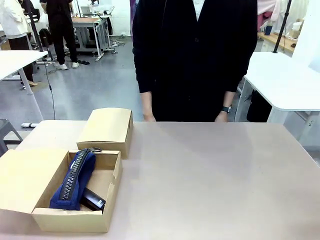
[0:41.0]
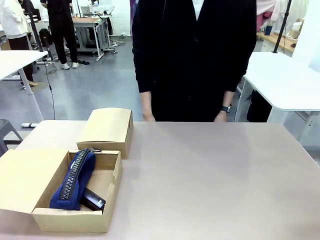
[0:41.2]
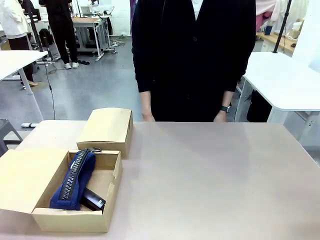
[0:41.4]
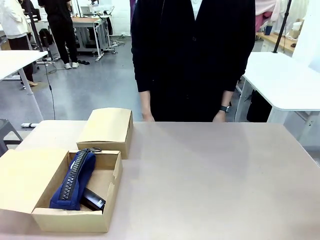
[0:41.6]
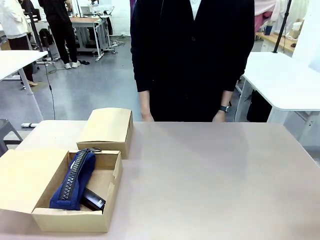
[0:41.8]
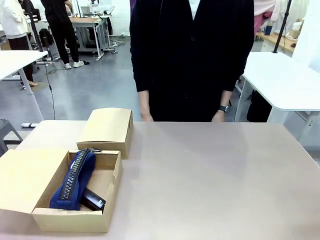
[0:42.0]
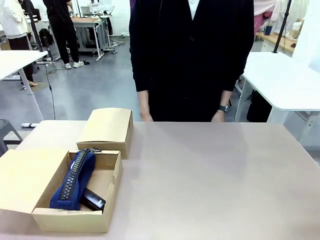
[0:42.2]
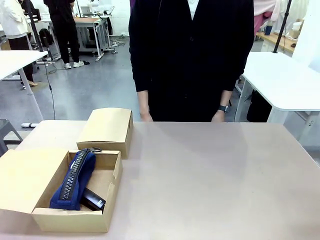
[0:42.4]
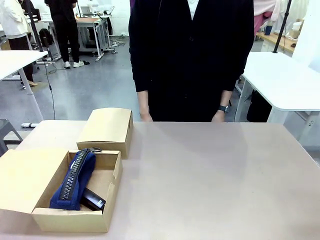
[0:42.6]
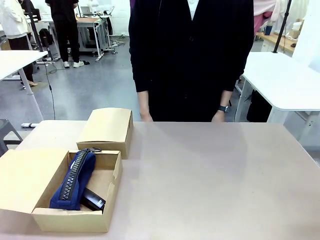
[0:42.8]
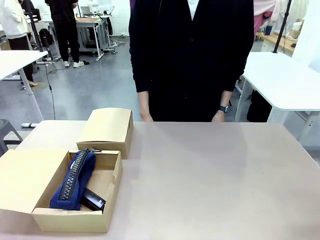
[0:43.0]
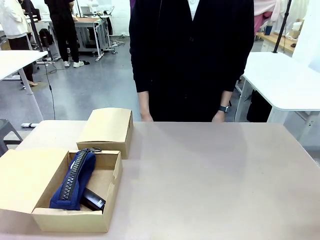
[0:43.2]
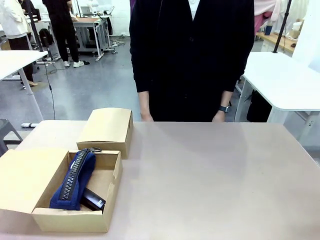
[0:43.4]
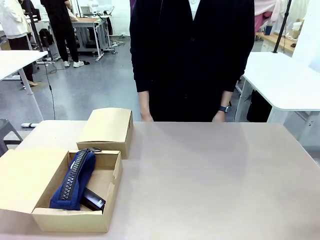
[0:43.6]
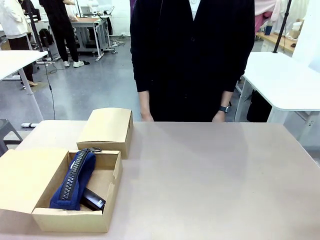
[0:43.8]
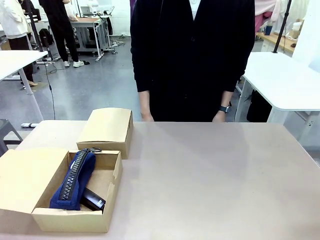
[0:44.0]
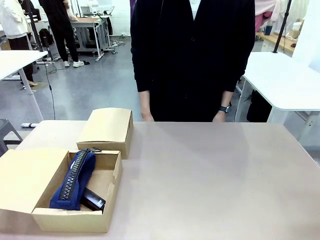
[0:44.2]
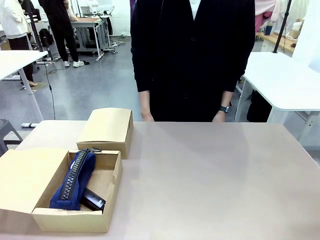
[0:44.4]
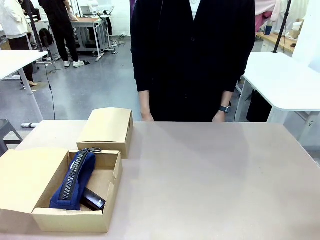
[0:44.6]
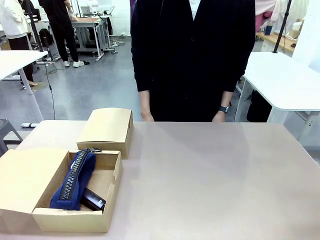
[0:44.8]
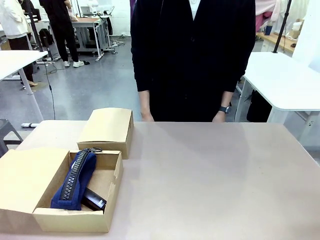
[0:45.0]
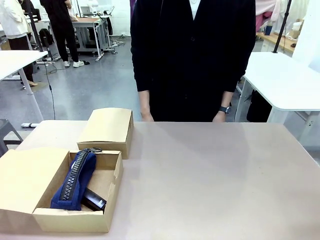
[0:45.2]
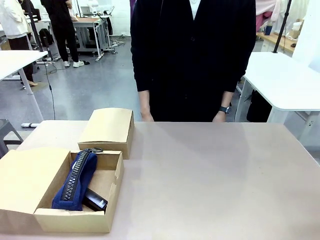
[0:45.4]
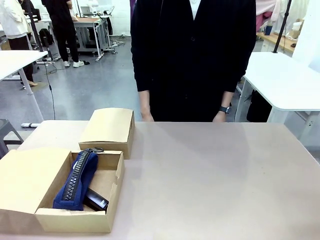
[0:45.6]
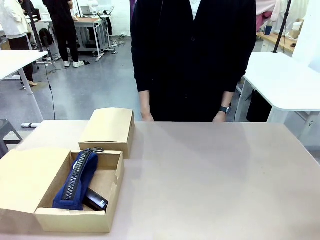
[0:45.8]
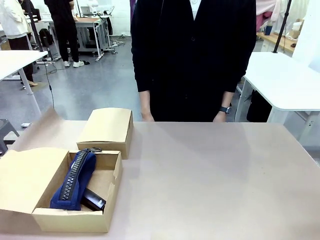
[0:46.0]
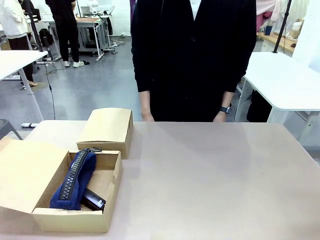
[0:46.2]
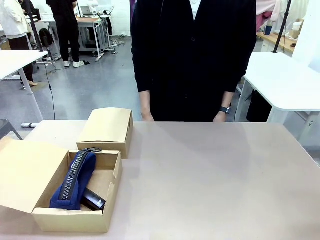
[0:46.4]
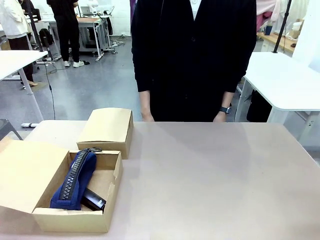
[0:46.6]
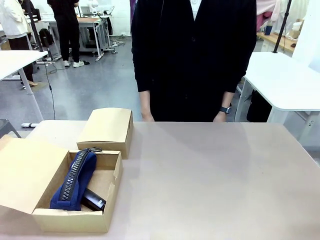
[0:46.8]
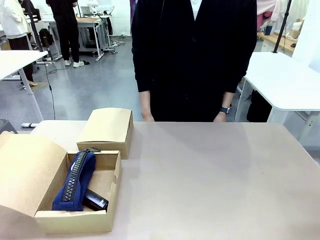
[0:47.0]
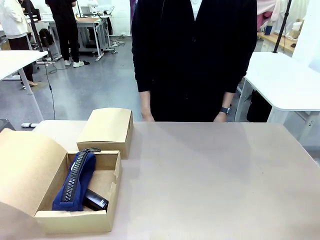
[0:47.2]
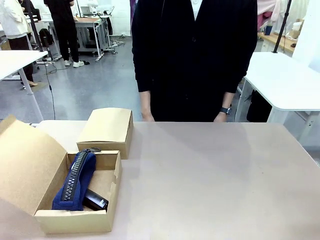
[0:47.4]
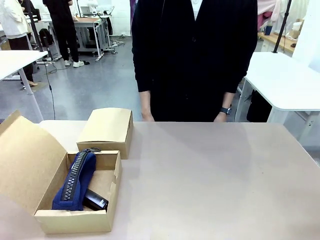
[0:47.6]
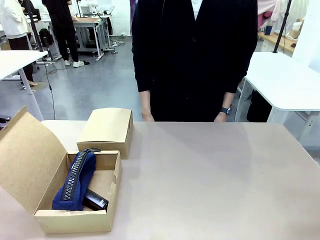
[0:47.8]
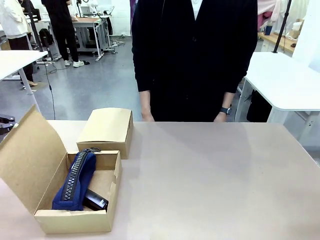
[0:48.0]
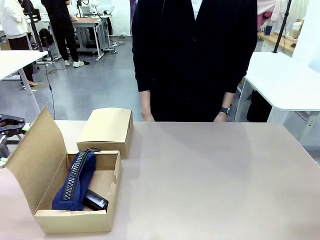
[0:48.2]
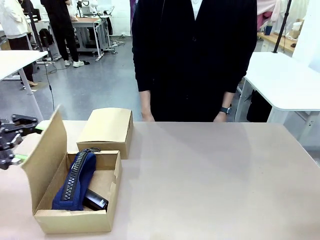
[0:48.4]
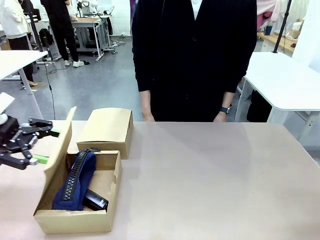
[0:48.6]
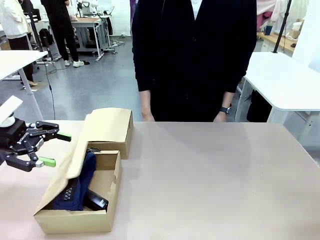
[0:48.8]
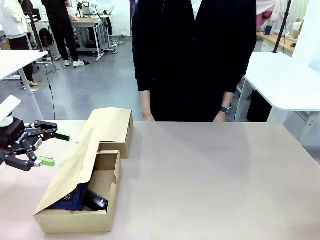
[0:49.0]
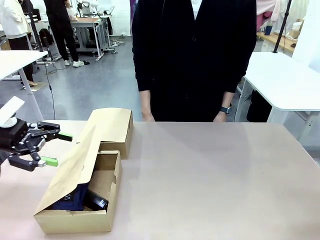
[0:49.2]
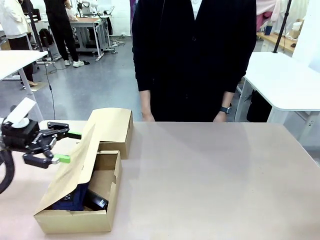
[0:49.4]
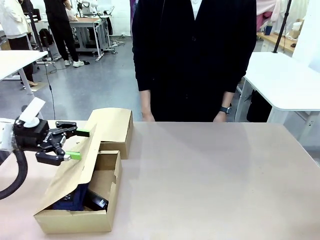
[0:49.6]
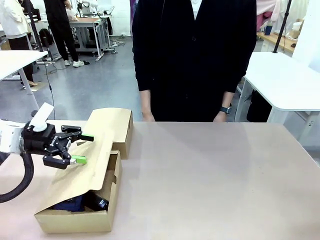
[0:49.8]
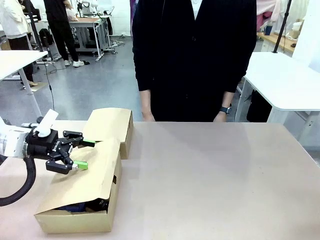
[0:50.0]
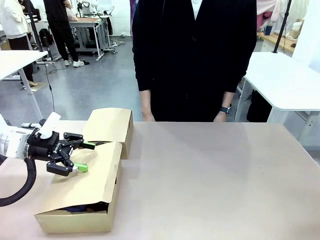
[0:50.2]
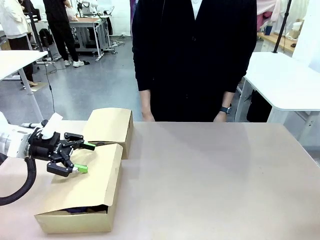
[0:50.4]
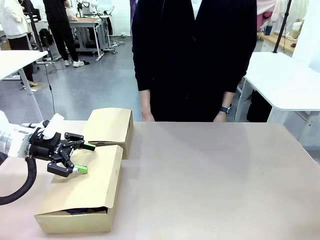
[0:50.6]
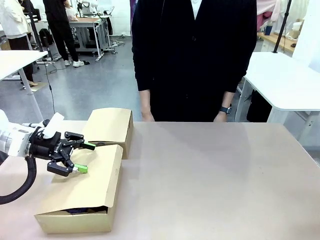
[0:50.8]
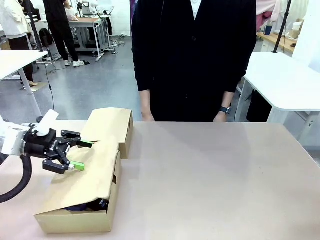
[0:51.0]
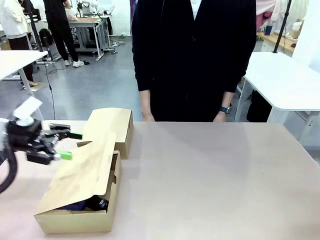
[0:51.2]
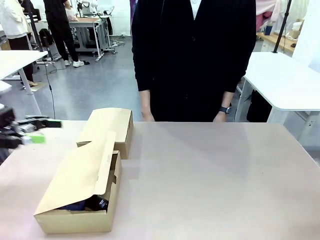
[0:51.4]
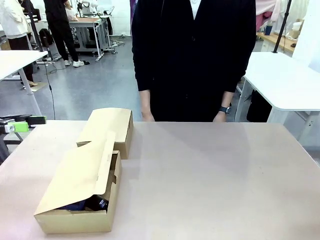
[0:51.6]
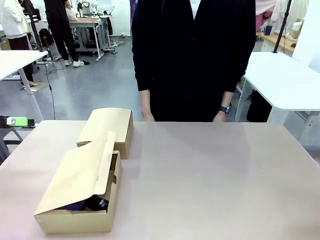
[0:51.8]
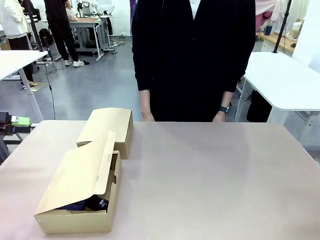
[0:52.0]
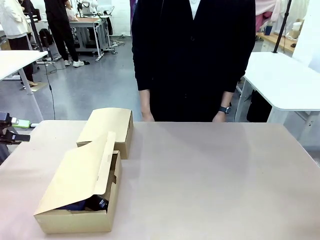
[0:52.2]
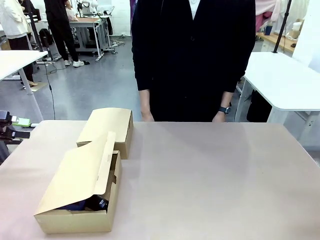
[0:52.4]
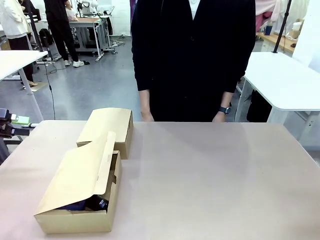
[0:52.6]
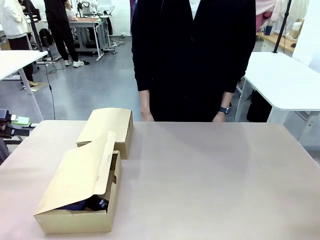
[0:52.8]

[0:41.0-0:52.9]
Task: Place items inside the box.
Robot: Close the lid of the Mailer Box closest to the robot.

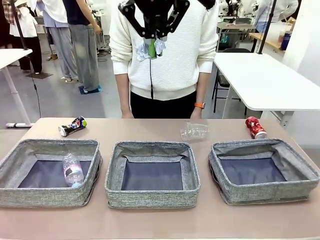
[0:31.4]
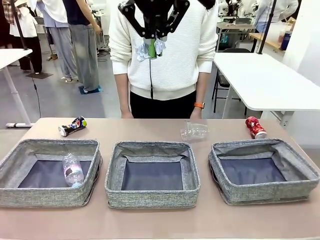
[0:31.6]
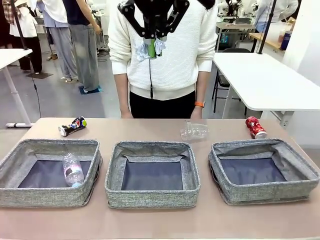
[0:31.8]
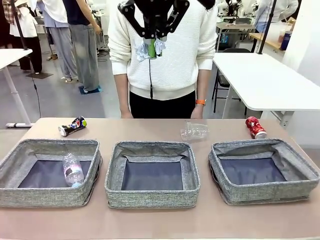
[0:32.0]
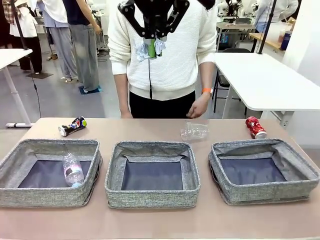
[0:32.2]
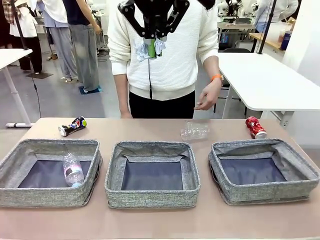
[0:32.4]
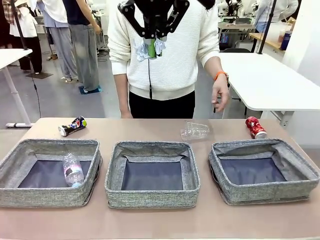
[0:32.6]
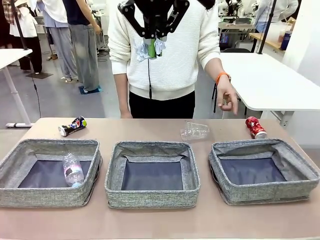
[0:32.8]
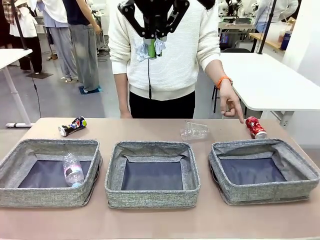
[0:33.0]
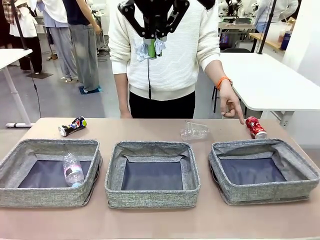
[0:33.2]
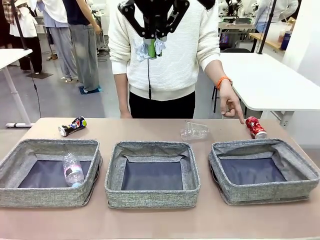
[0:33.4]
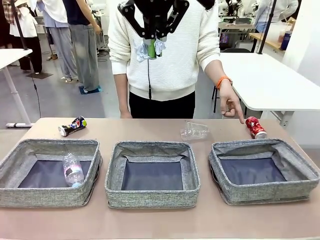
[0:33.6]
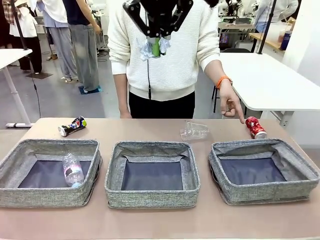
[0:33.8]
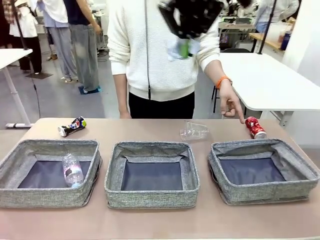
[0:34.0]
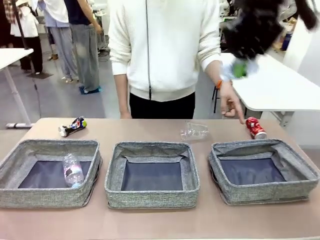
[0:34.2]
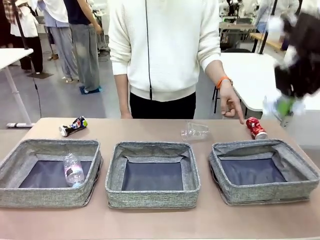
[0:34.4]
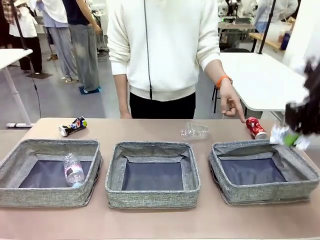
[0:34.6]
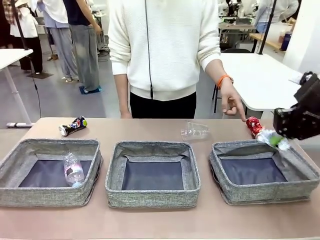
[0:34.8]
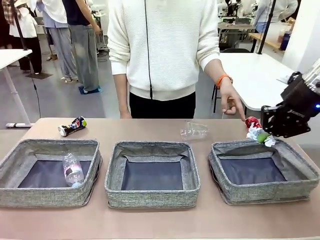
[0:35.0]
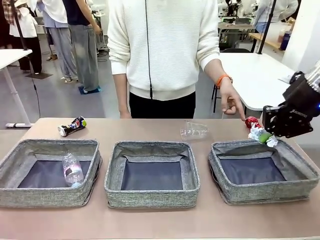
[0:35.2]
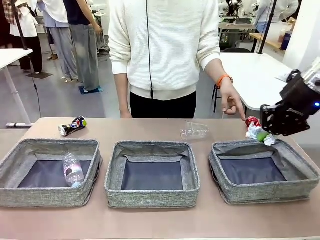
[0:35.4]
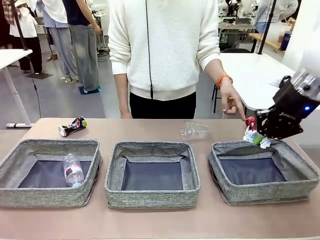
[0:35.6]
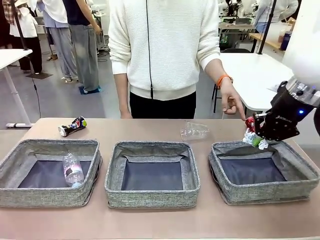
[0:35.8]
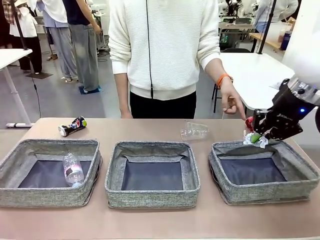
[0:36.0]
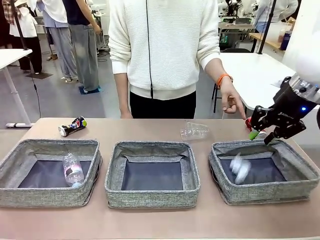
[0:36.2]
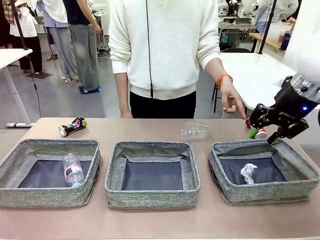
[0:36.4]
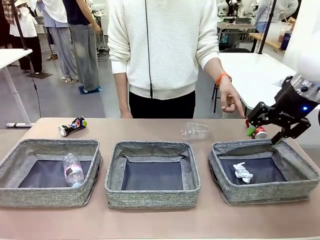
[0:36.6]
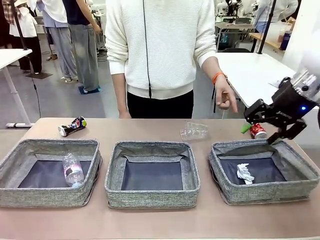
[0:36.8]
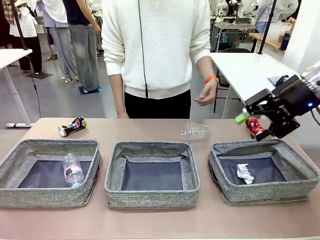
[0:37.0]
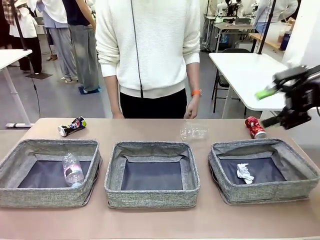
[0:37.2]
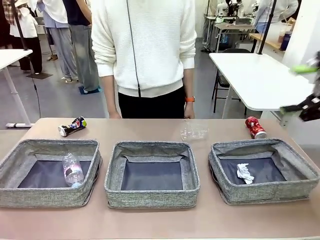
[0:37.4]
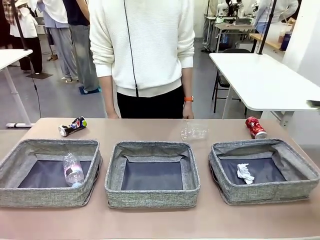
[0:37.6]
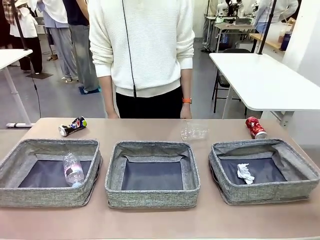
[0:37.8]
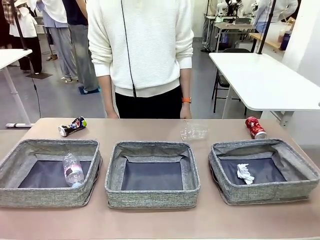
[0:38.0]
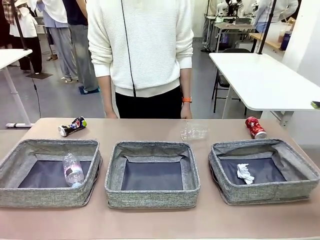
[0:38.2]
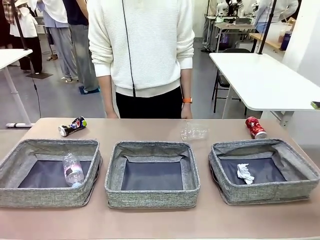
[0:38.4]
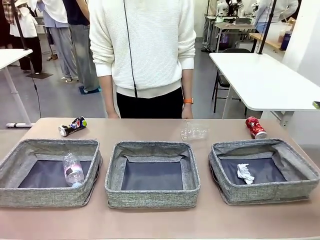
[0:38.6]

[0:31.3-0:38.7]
Task: Sort the waste into the appropriate baskets.
Robot: Place the picked waste into the Fabric basket indicated by the person.
Person: Instructs the robot to place the picked-up trash into the appropriate organizing basket.
